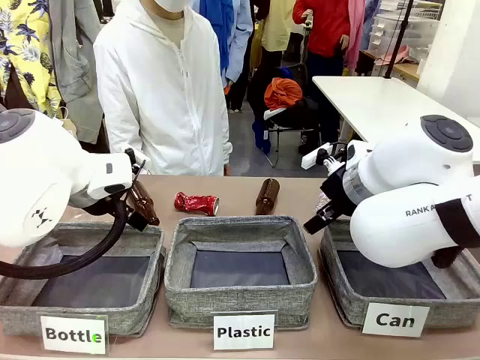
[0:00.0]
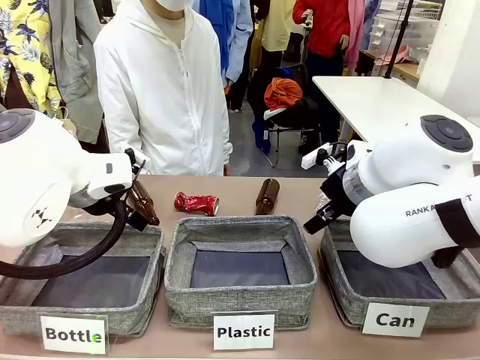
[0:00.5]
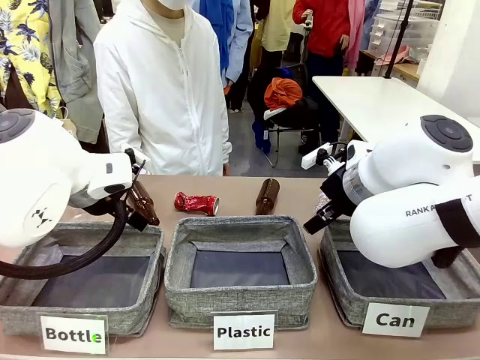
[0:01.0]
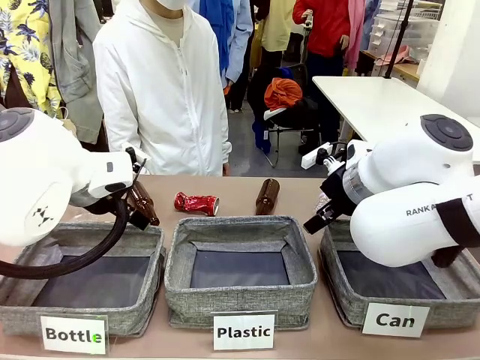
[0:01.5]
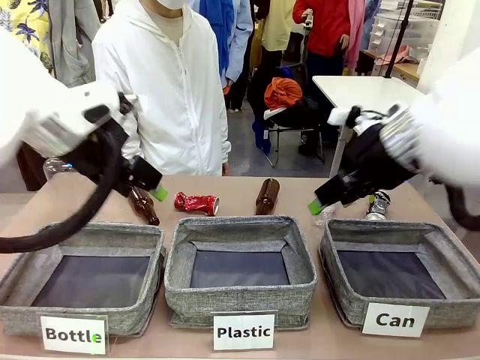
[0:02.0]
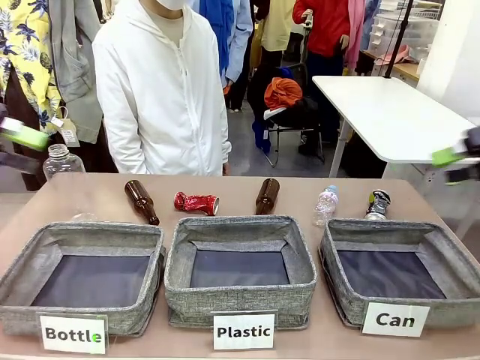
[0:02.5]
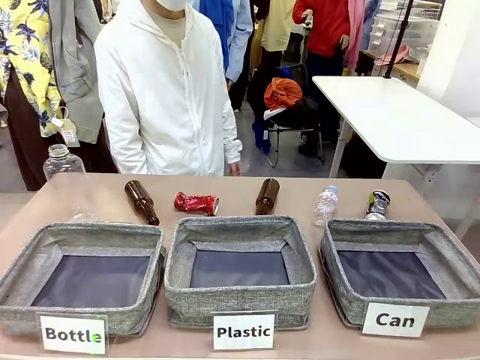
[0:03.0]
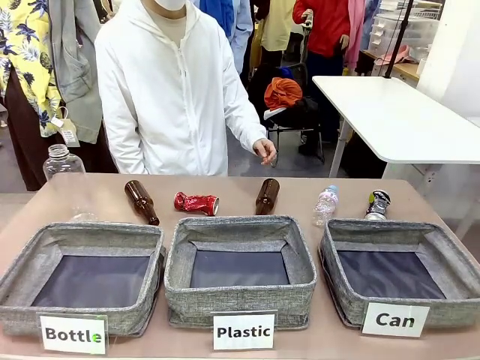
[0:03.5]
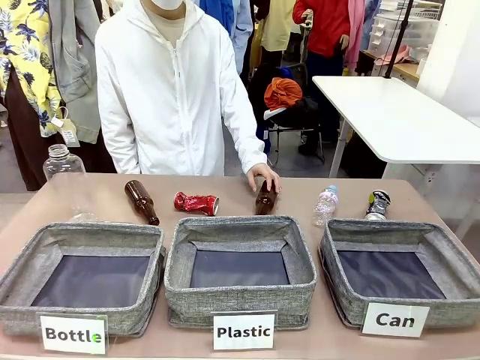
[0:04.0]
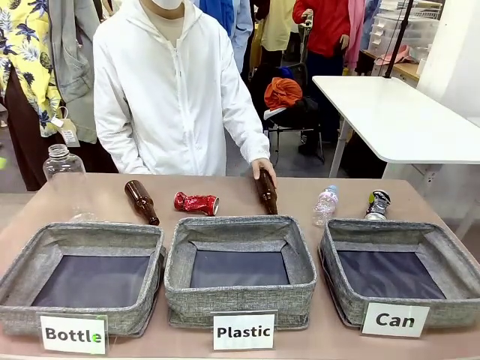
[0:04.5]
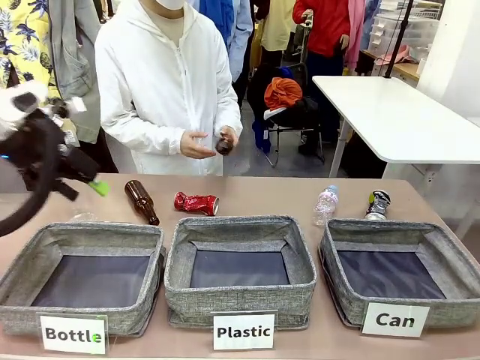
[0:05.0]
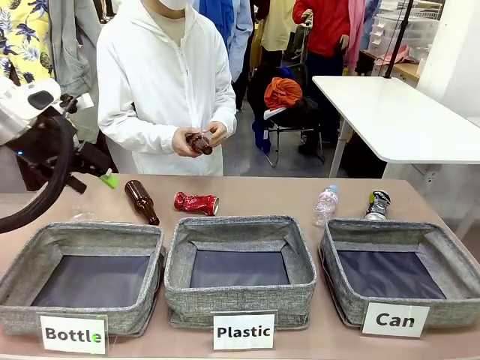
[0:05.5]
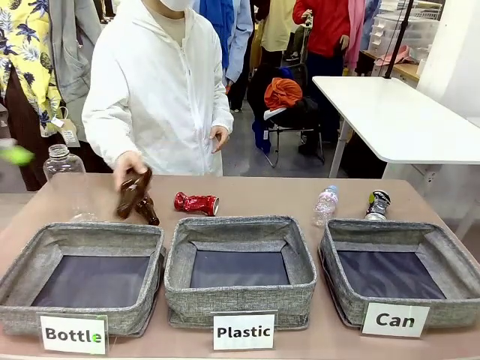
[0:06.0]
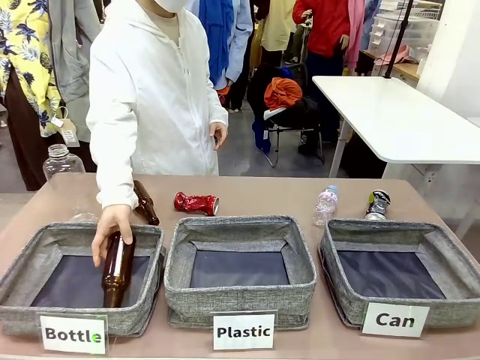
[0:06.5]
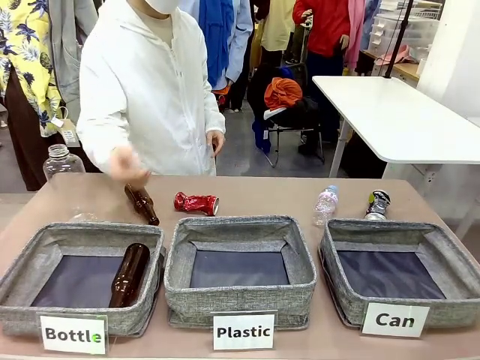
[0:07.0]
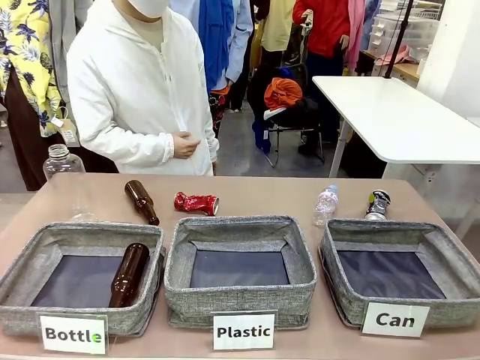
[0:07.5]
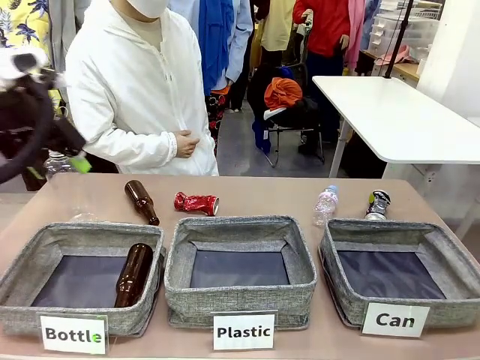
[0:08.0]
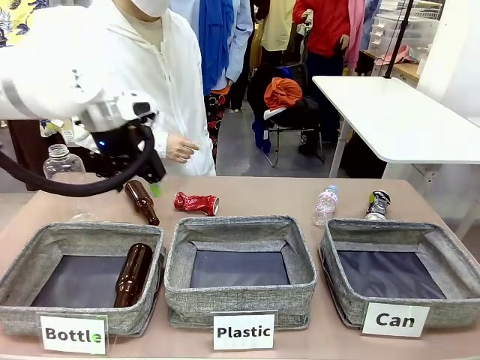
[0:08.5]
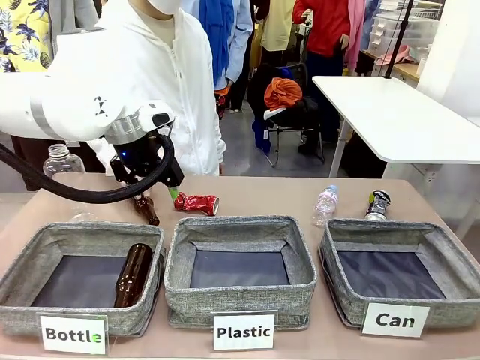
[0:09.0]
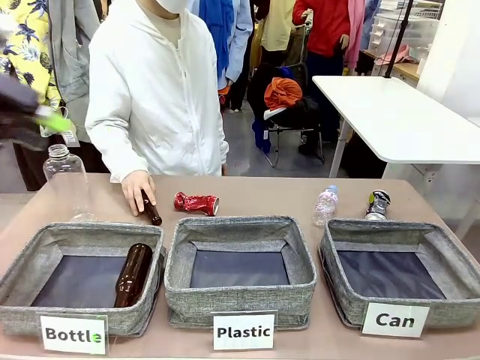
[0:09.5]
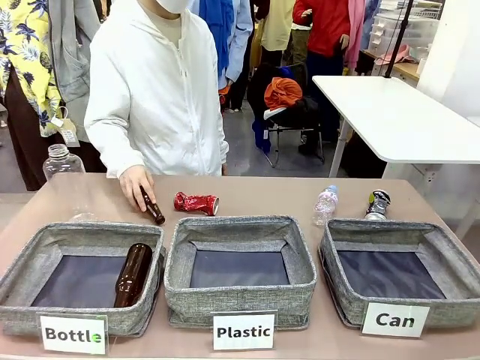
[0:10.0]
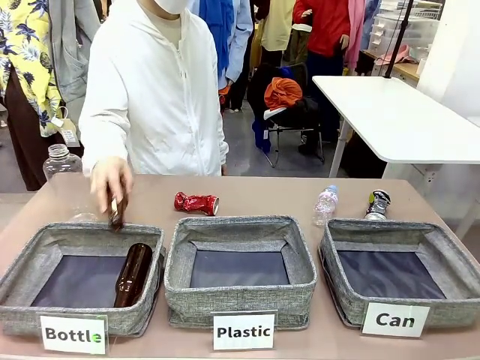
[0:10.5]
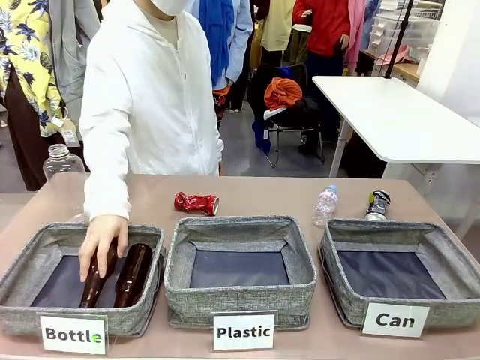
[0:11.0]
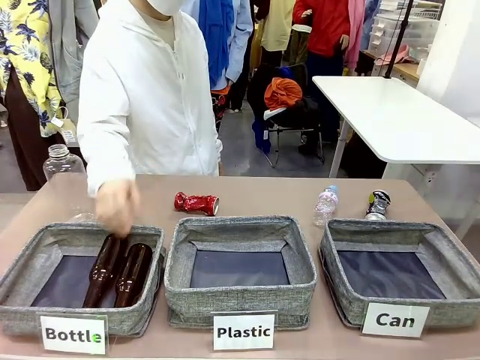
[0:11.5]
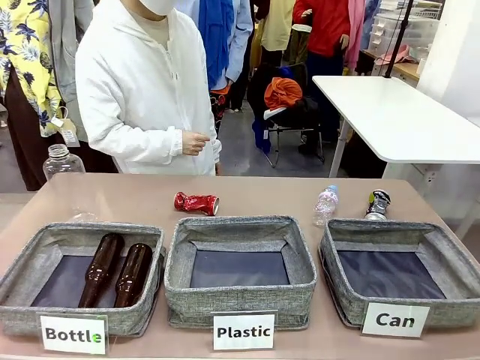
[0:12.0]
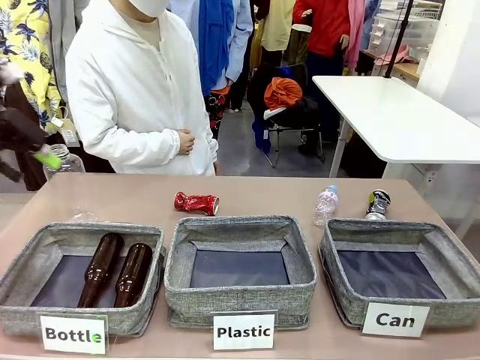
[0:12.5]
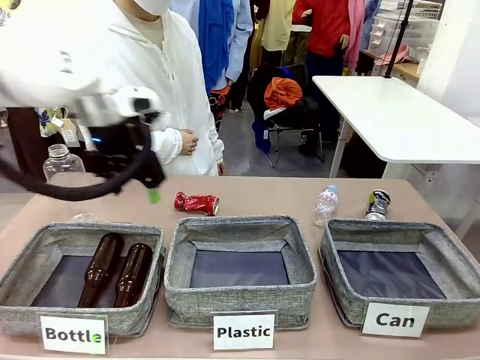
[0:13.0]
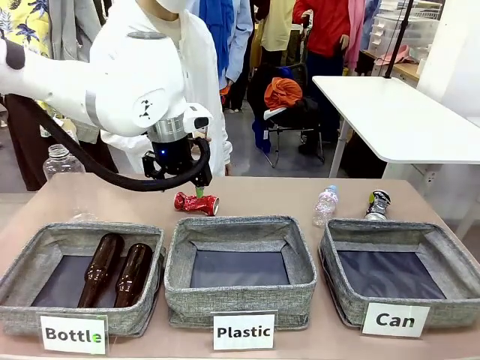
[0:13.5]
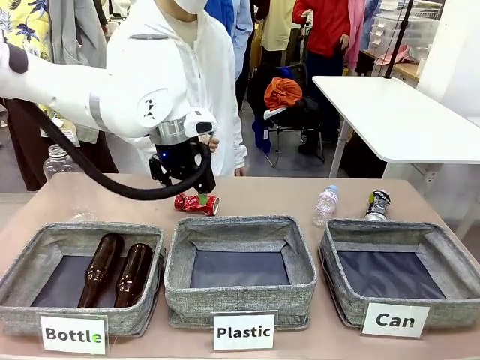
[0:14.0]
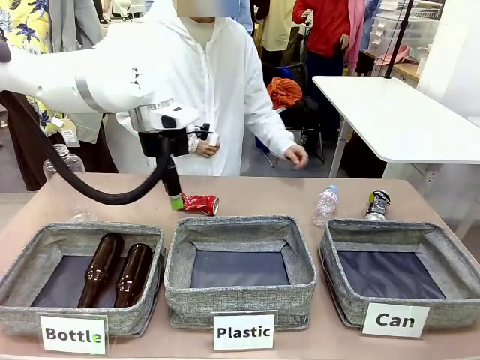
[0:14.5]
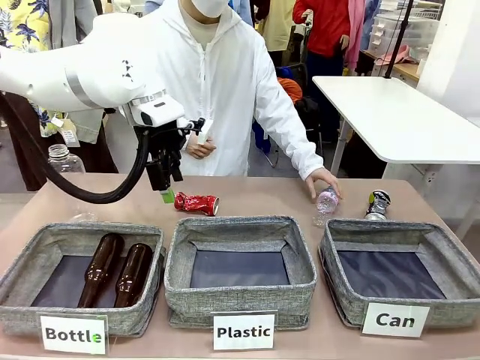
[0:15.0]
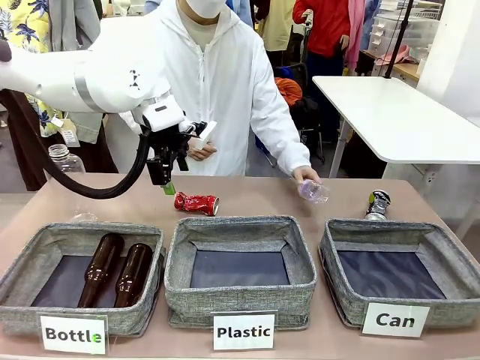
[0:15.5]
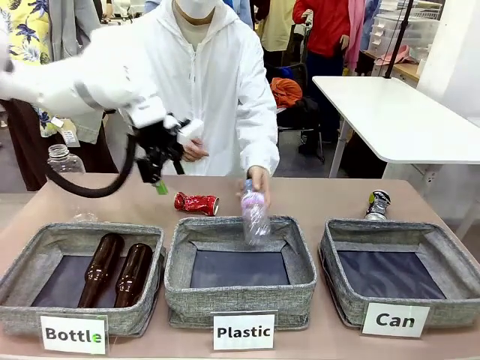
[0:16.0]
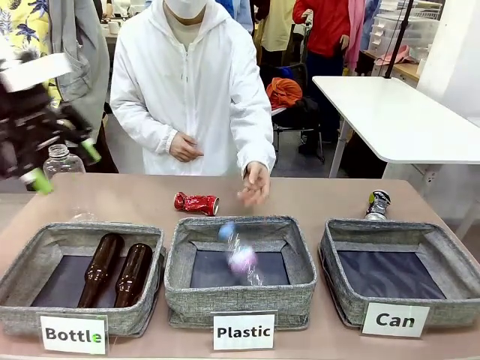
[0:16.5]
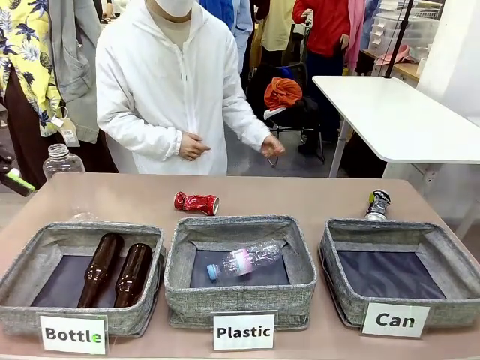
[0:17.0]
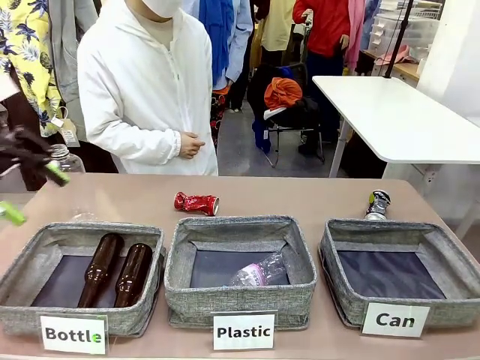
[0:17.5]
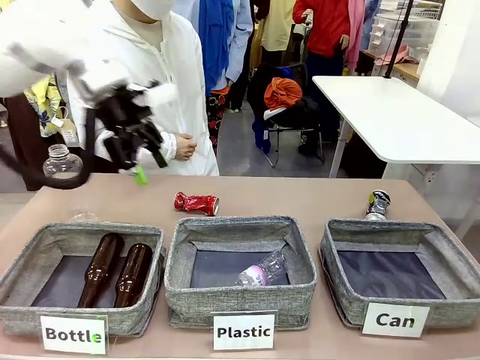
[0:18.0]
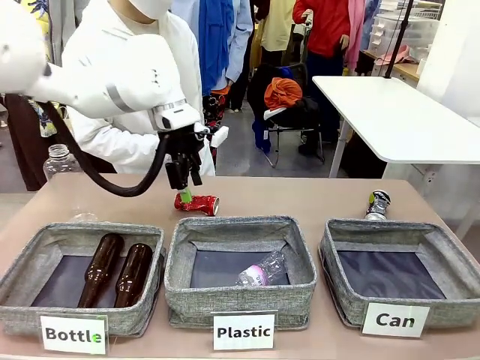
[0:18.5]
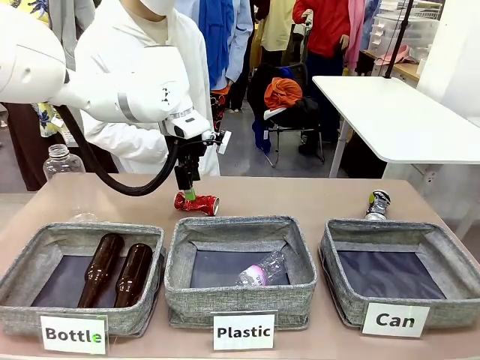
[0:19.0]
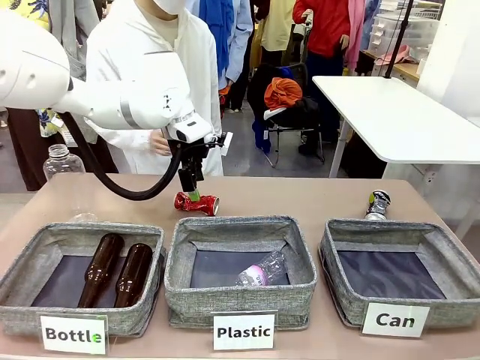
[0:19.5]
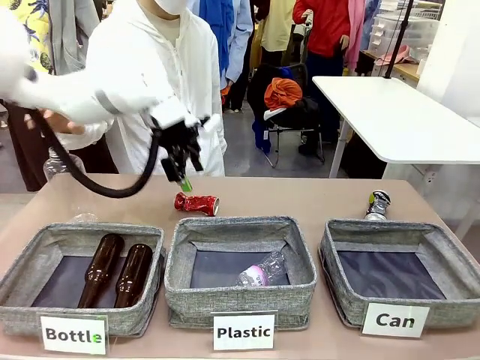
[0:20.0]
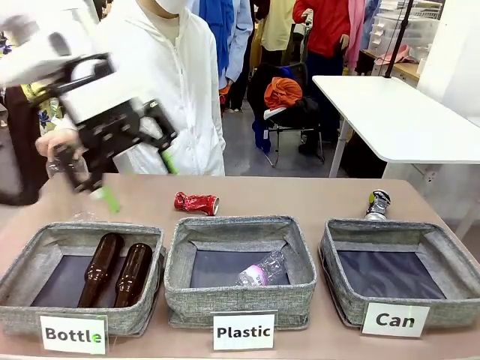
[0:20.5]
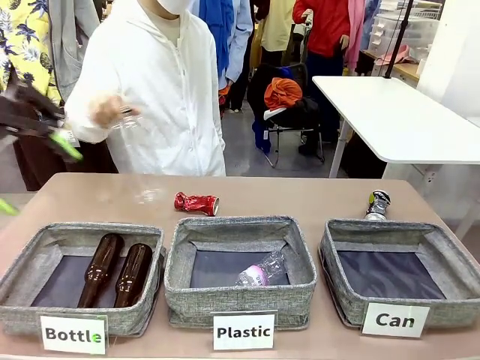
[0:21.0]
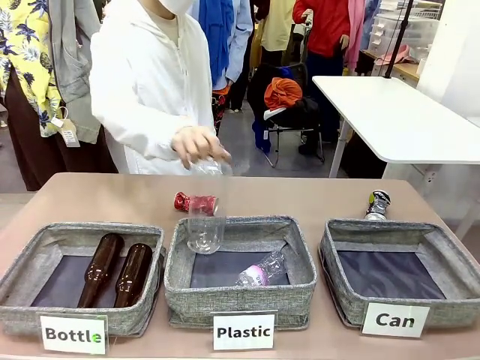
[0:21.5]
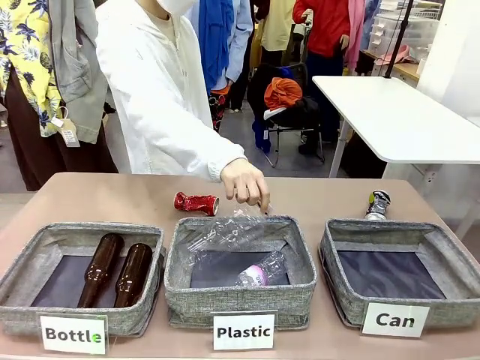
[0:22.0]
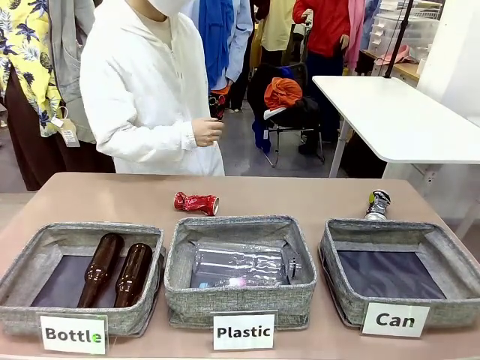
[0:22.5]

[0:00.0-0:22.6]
Task: Sort the can waste into the basket.
Robot: Pick up the can waste from the table and place it in the right Fabric basket.

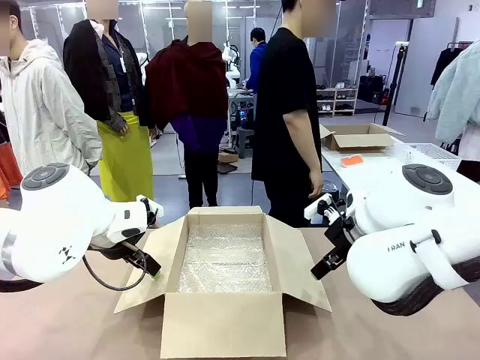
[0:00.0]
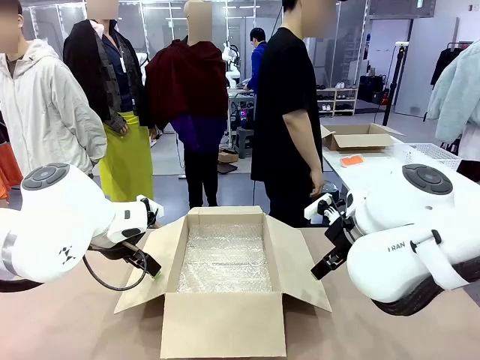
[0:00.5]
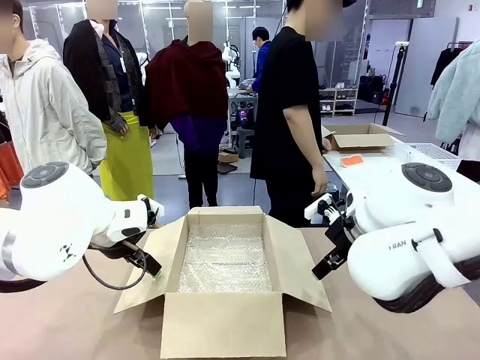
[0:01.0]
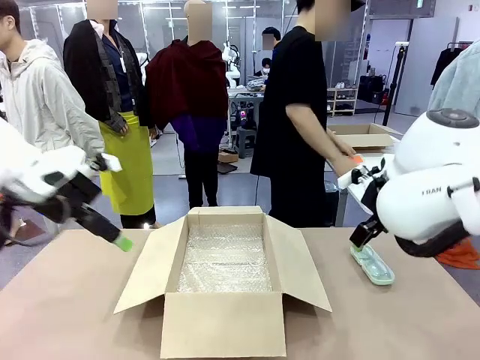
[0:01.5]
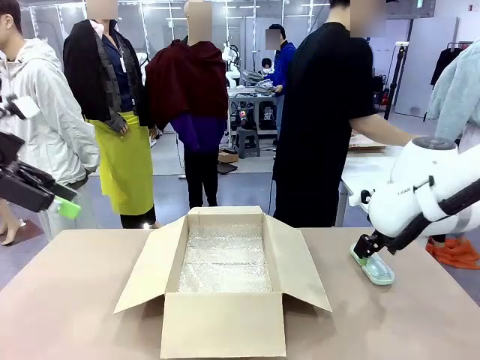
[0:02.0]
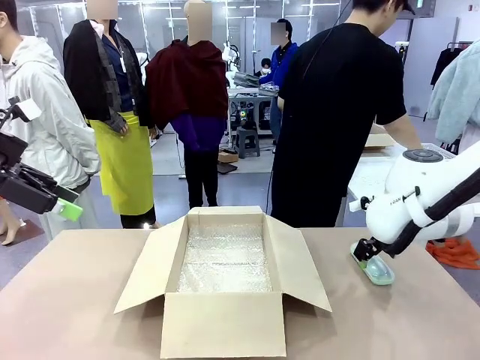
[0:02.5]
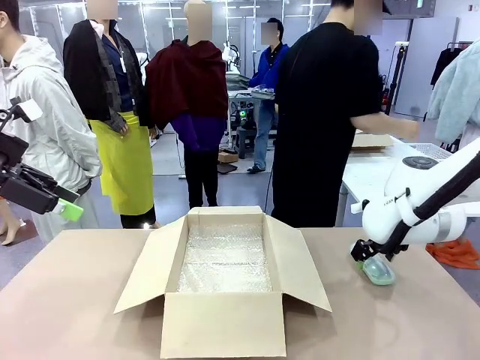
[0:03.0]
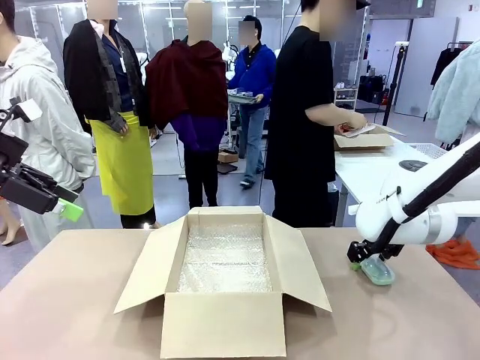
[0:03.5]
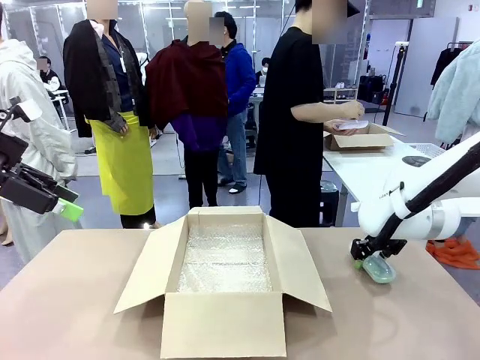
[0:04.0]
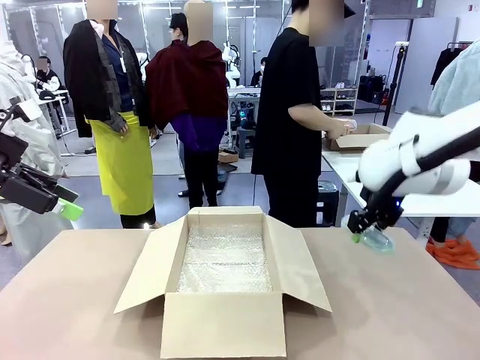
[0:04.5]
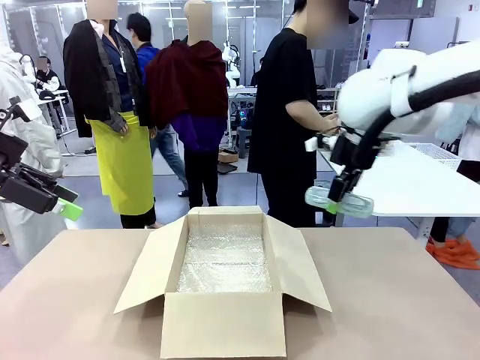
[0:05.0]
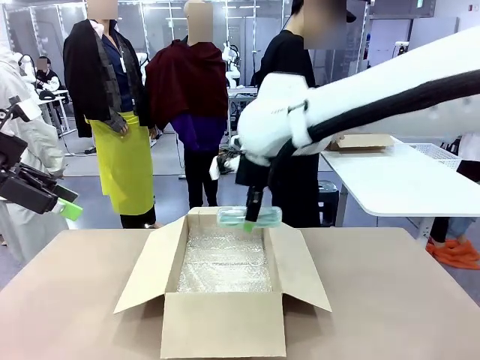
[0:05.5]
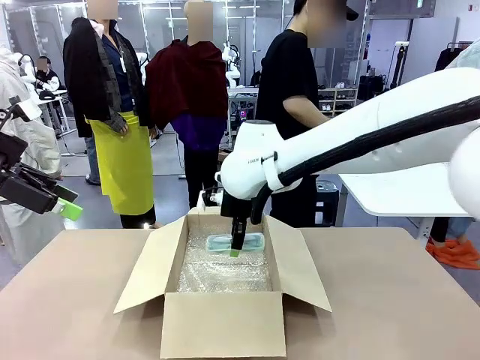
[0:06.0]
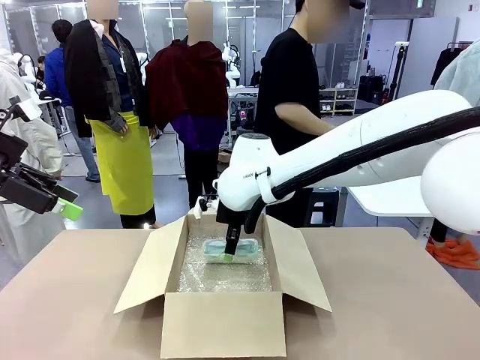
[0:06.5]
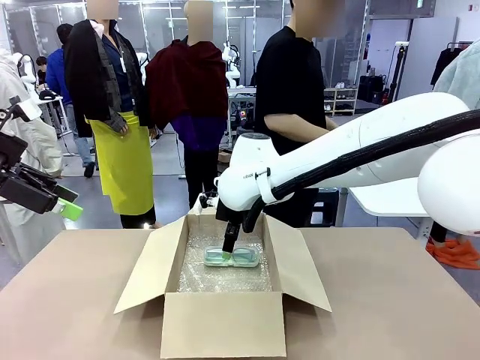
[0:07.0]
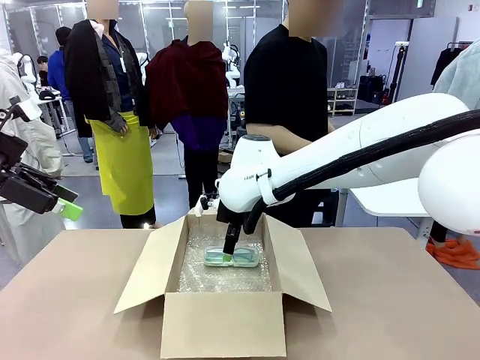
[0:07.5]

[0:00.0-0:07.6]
Task: Pack the glasses set securely to prepare it for shipping.
Robot: Place the Glasses case inside the Package Box.
Person: Place the Glasses inside the Glasses case.
